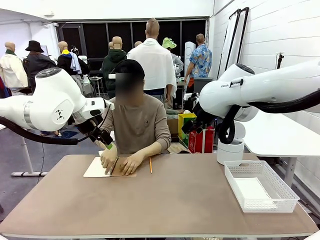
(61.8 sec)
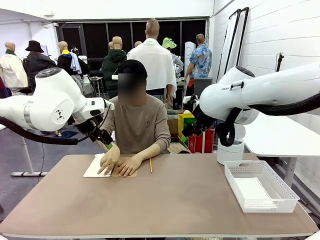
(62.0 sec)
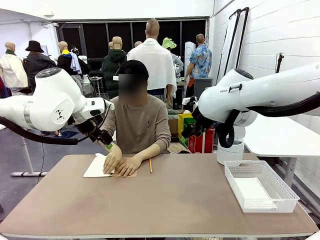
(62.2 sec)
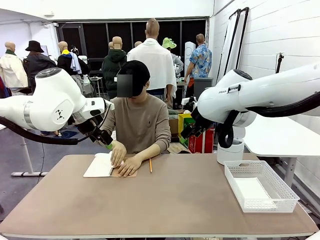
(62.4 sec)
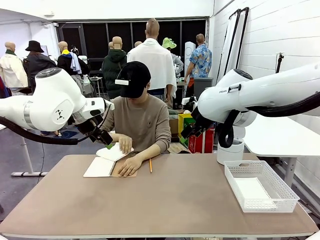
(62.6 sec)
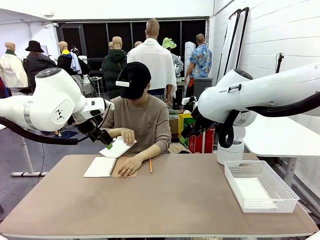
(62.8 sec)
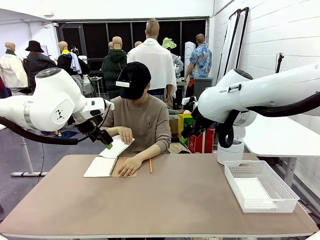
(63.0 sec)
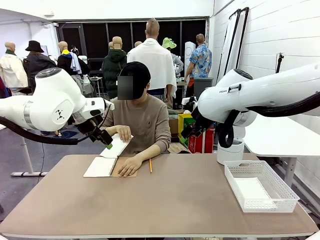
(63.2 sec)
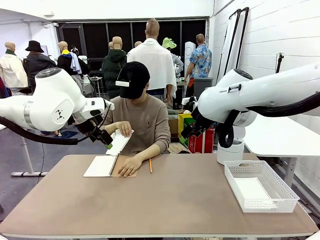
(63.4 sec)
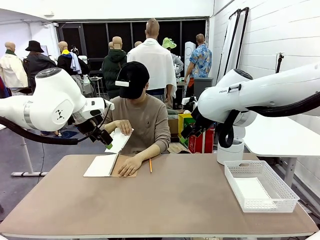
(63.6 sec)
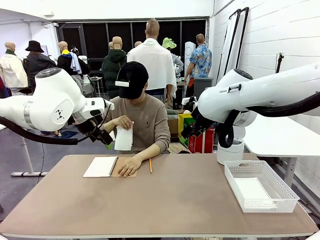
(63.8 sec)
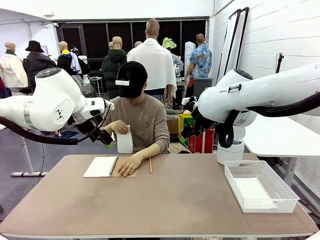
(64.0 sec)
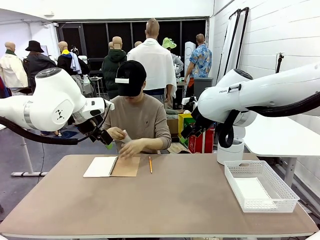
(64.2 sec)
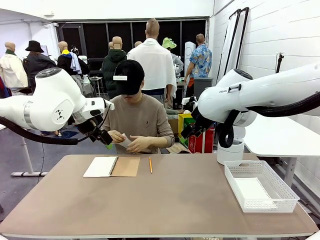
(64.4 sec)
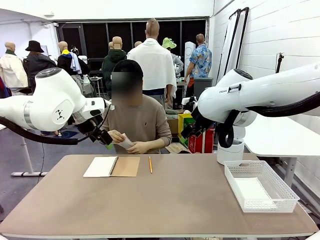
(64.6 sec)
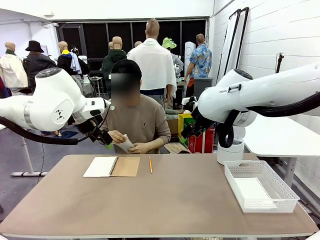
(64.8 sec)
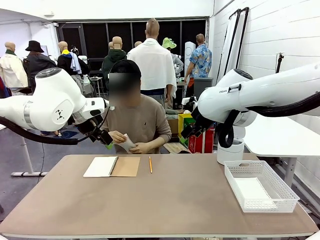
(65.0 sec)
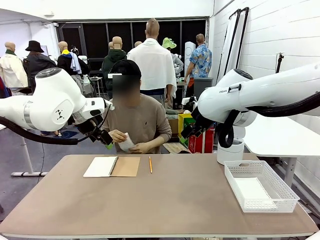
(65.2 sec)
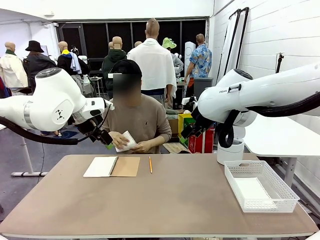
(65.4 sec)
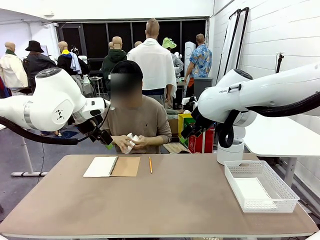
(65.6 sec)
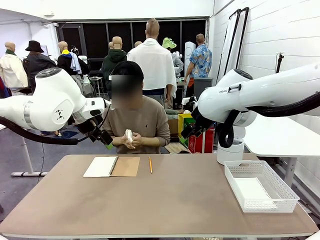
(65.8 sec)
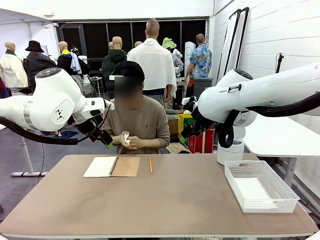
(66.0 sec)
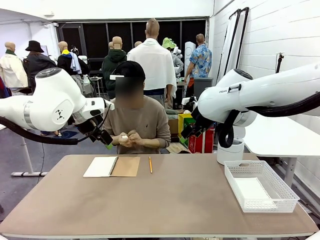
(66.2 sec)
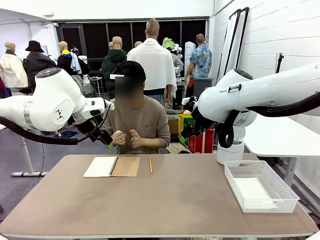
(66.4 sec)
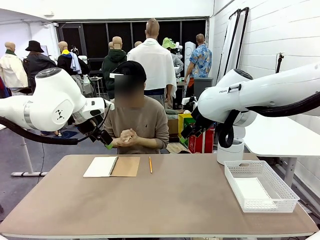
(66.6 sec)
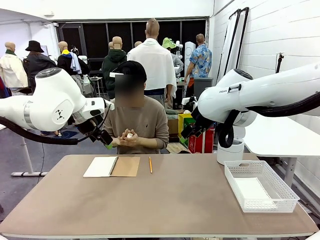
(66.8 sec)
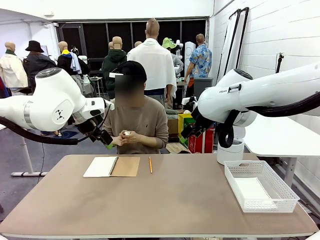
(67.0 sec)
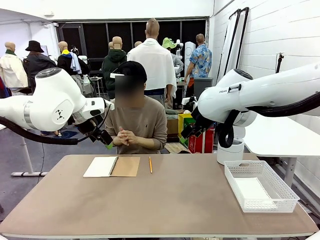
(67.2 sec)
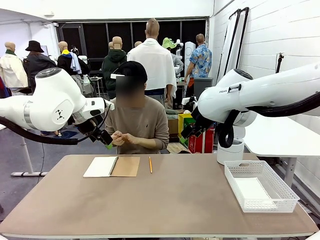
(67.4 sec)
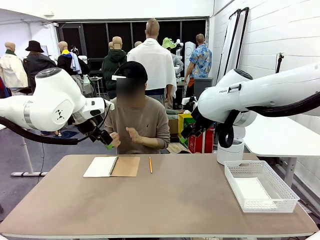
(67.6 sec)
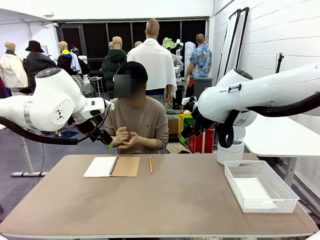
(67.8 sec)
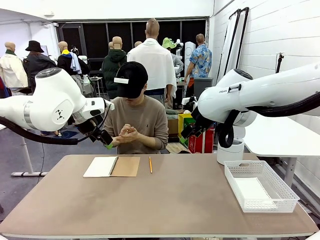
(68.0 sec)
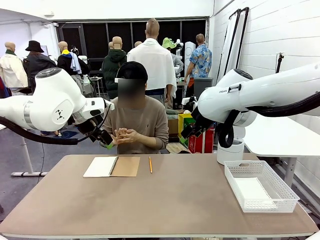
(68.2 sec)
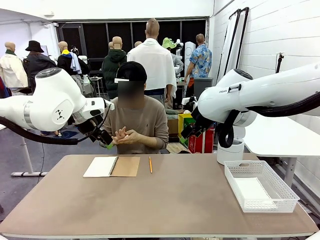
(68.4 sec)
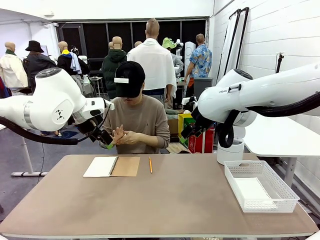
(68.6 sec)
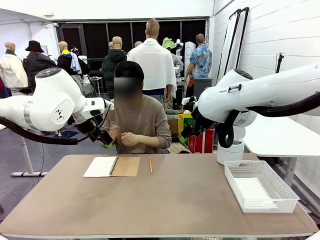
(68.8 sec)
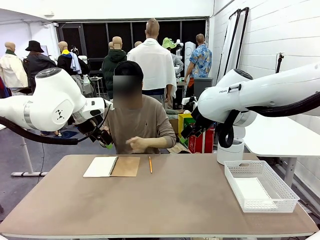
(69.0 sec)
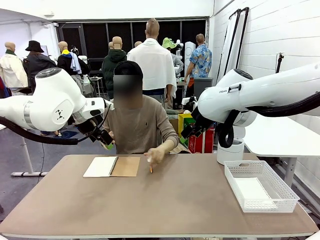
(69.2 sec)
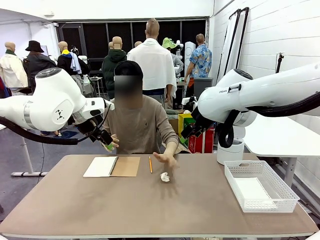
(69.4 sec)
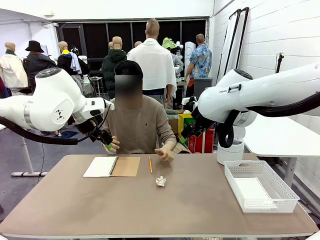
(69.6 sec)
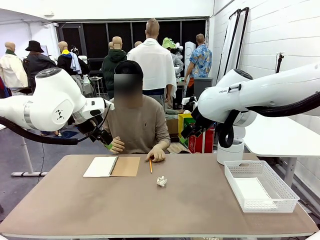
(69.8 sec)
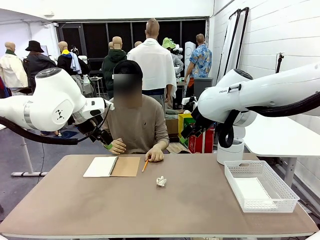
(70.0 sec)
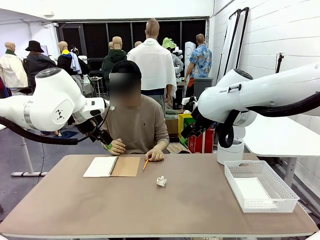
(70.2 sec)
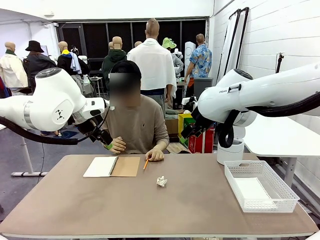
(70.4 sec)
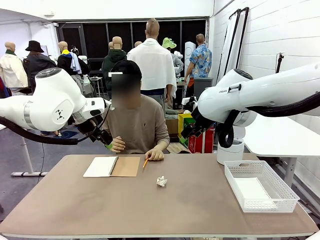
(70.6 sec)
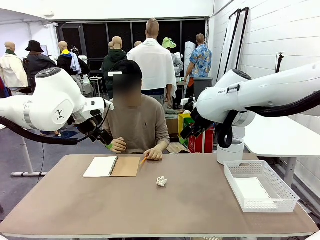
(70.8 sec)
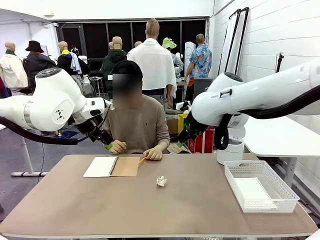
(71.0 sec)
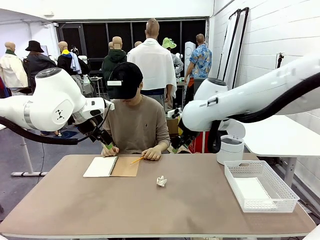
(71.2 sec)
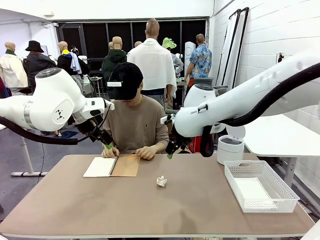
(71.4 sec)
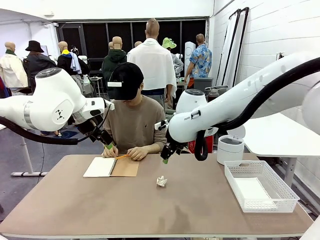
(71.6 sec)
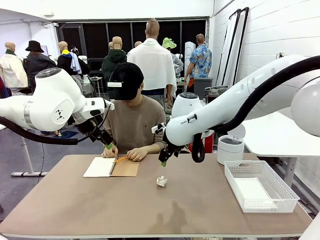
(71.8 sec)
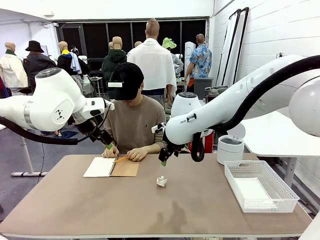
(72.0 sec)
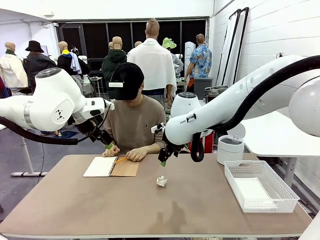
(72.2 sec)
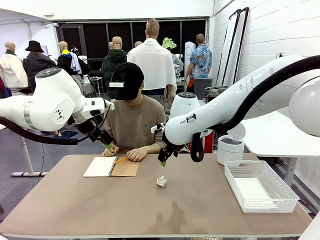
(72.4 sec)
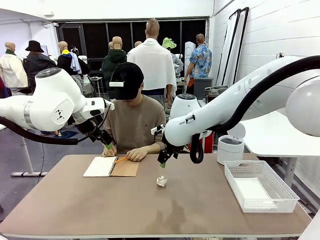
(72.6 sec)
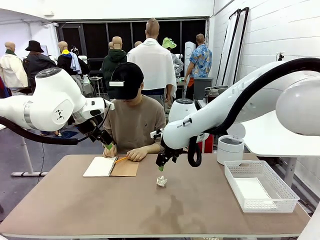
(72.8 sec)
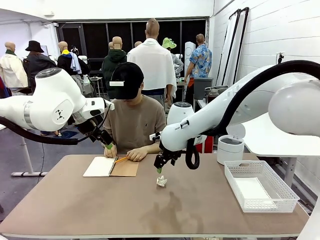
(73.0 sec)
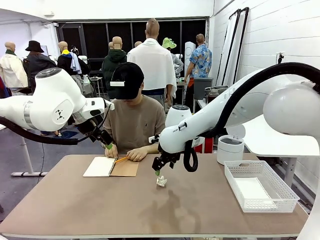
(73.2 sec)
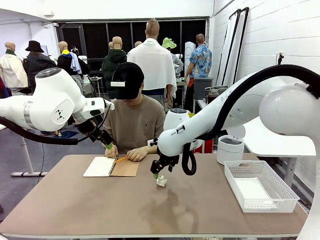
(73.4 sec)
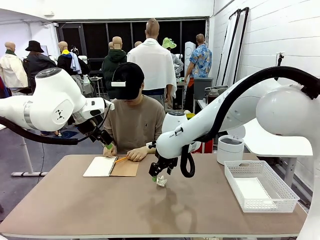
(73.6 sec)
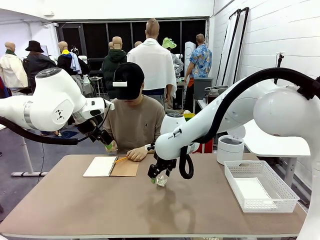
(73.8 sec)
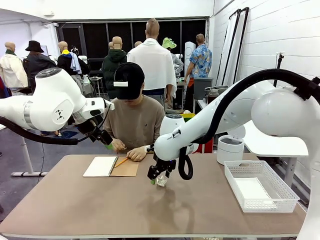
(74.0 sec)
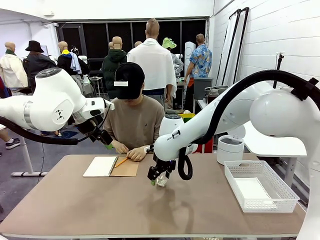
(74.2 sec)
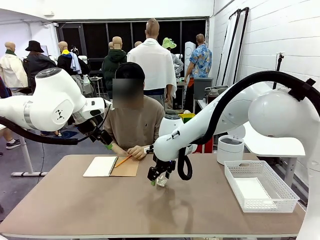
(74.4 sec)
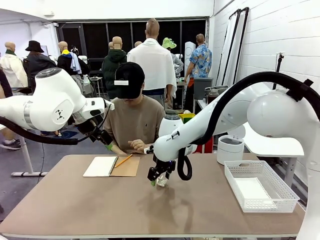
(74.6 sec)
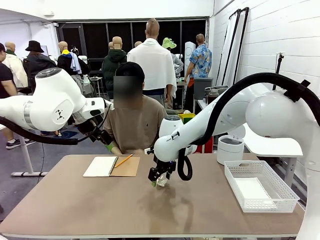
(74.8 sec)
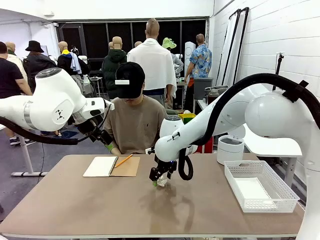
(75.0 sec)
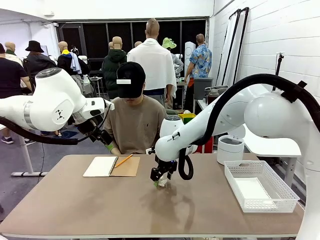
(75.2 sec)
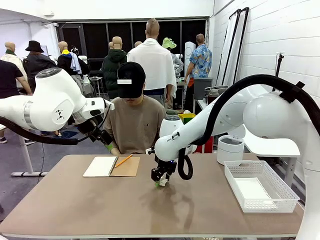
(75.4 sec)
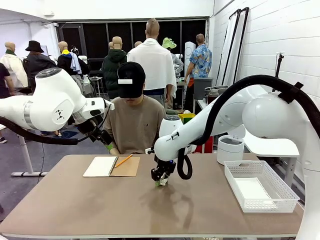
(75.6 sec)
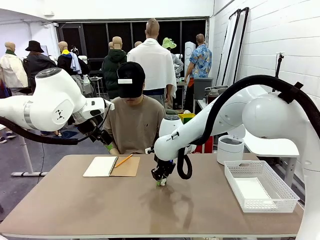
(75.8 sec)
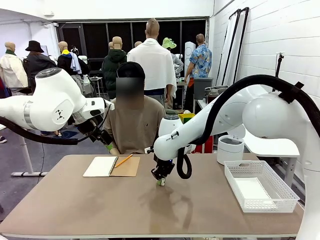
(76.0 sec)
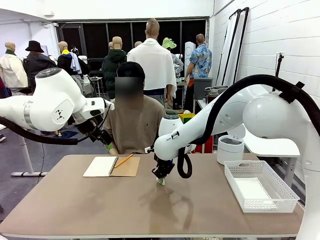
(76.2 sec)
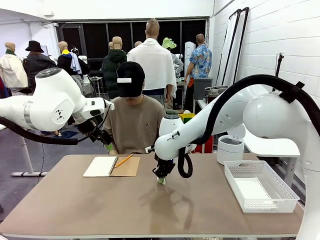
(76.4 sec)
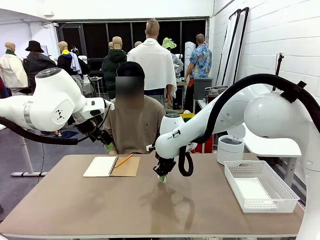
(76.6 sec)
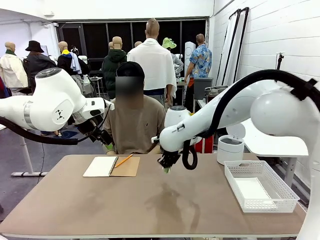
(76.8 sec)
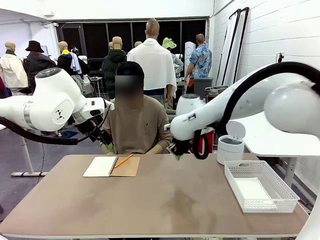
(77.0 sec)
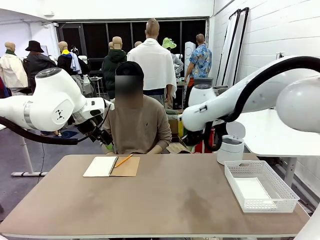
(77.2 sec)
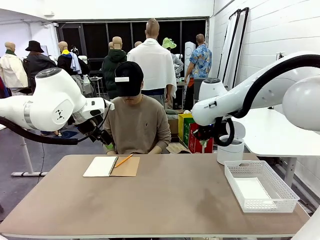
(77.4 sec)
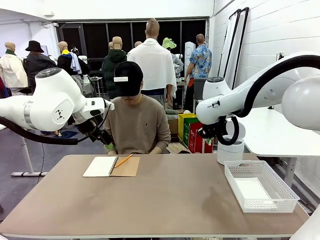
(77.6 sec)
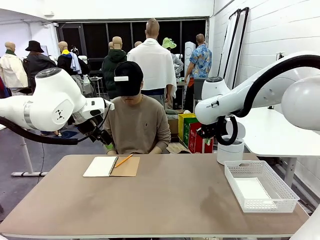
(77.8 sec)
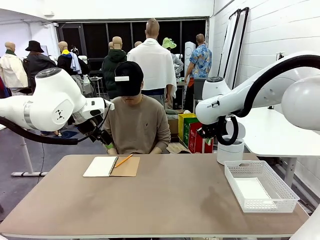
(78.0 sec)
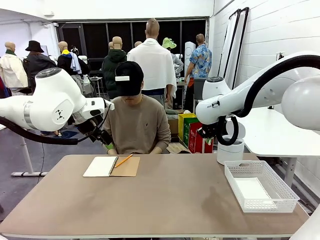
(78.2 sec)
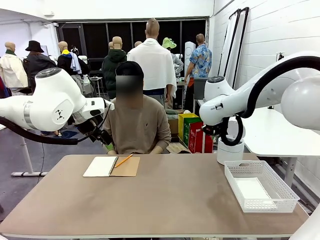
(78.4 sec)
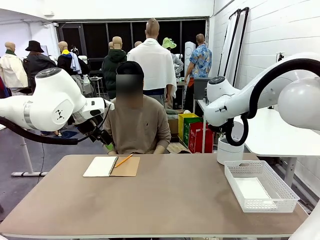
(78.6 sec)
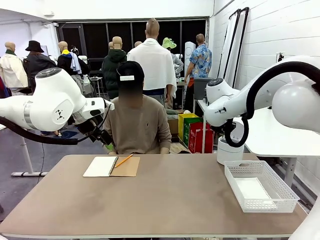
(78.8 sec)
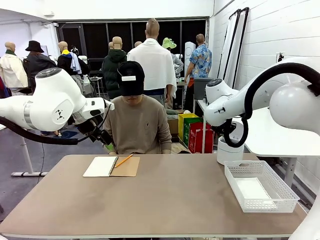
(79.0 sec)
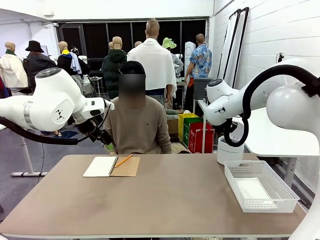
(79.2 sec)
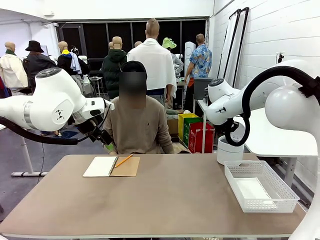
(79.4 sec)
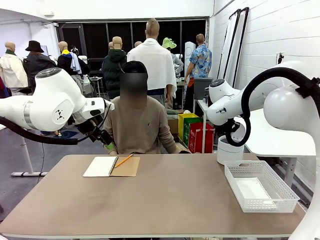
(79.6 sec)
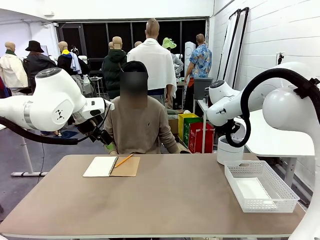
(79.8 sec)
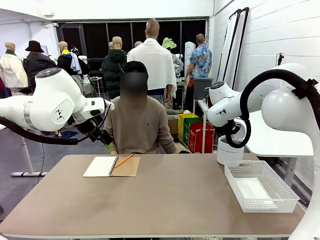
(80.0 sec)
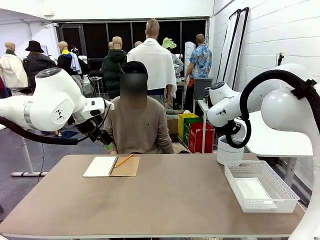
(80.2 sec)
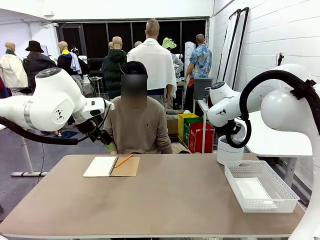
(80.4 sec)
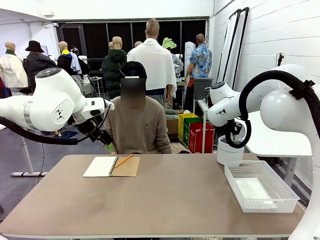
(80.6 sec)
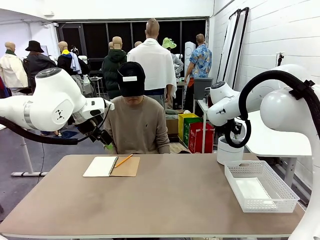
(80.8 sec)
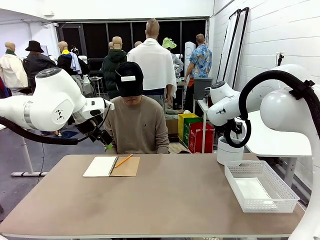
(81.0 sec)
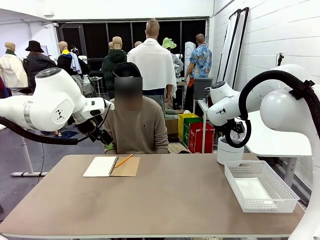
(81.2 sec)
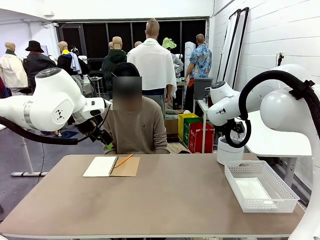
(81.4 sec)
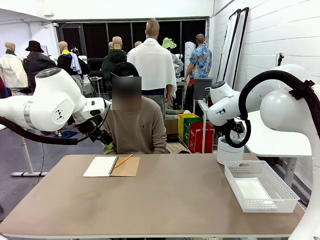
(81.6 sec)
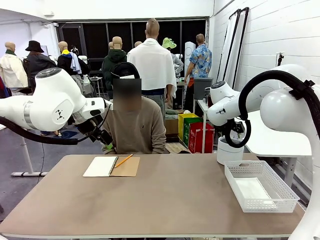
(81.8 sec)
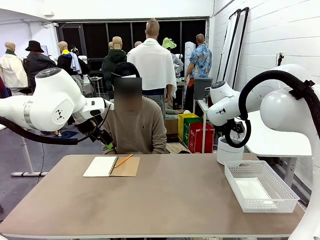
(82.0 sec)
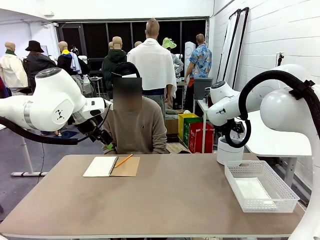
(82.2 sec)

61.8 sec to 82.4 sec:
Task: Sort the paper based on its condition.
Robot: If a person hands you a paper, place it in the Organizing basket , and if it's crumpled, put it in the Trash can.
Person: Hand the torn page to the robot or crumple it and throw it to the center of the table.
